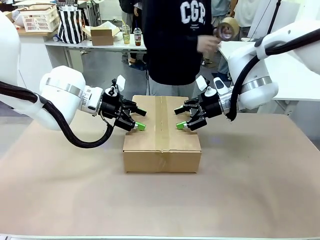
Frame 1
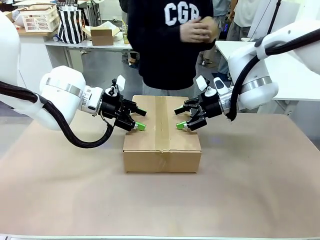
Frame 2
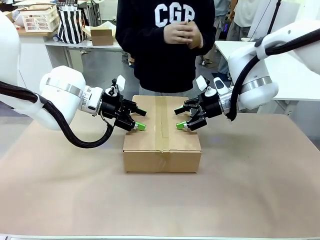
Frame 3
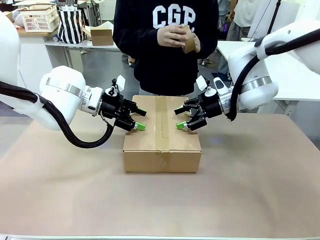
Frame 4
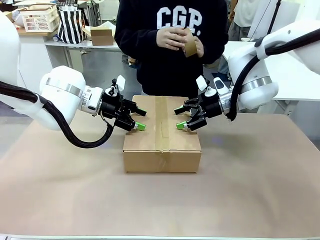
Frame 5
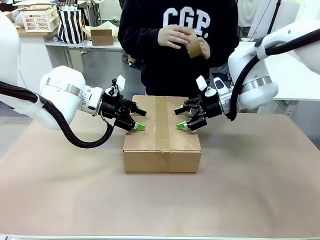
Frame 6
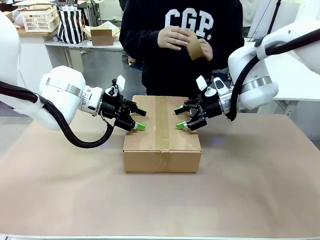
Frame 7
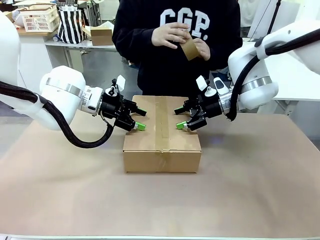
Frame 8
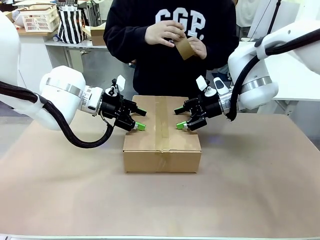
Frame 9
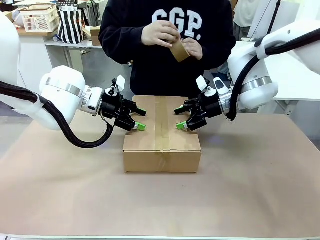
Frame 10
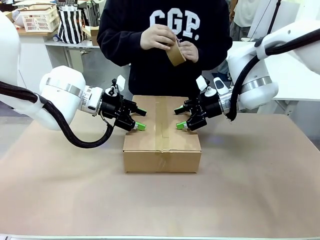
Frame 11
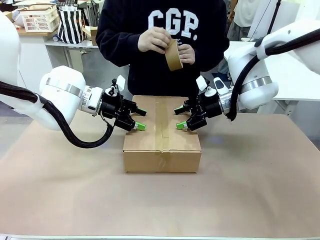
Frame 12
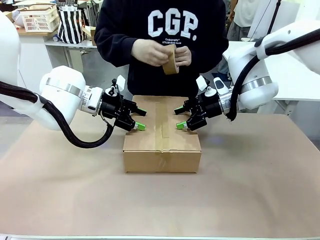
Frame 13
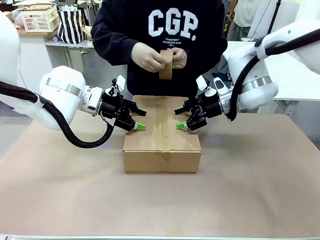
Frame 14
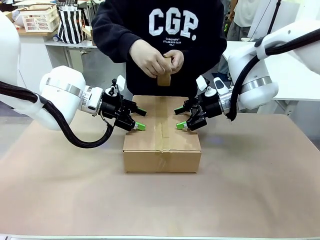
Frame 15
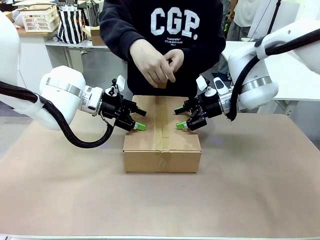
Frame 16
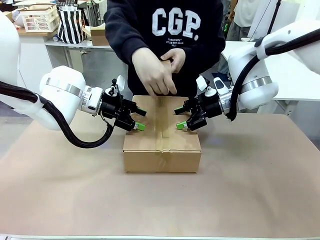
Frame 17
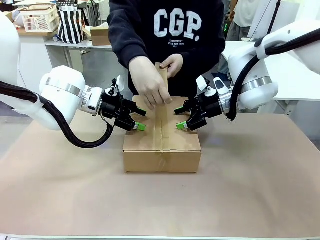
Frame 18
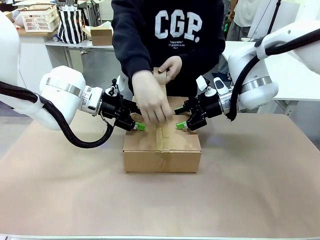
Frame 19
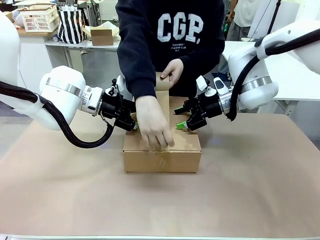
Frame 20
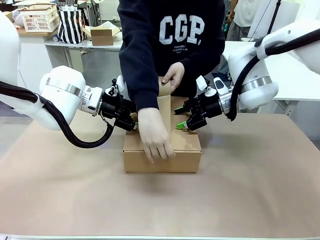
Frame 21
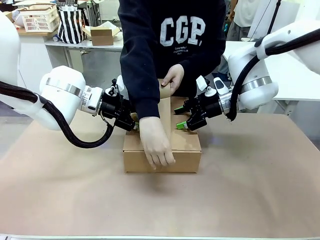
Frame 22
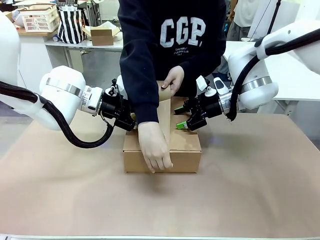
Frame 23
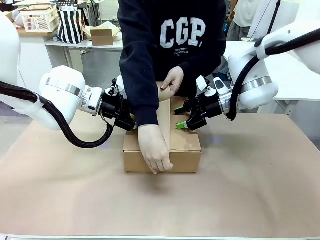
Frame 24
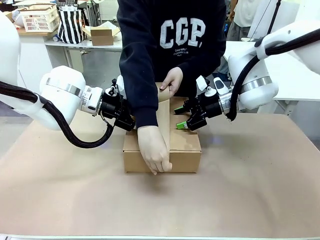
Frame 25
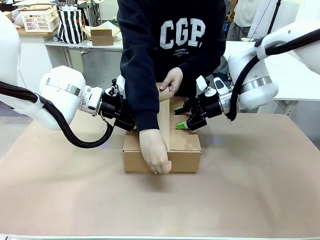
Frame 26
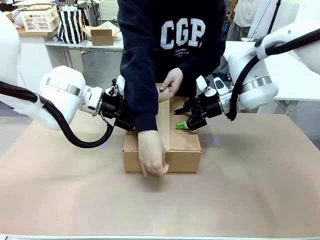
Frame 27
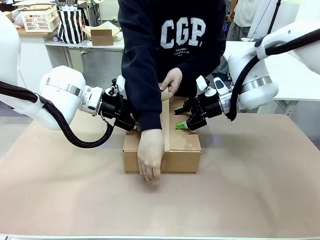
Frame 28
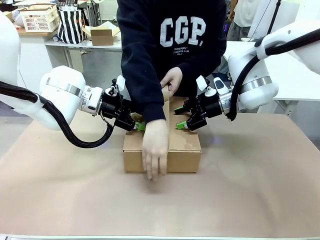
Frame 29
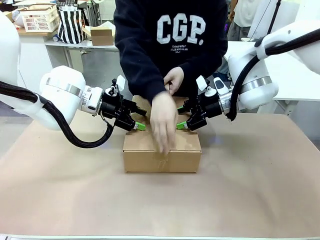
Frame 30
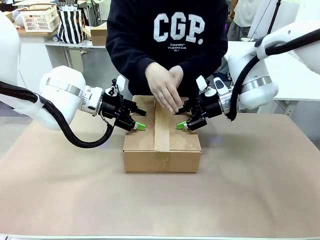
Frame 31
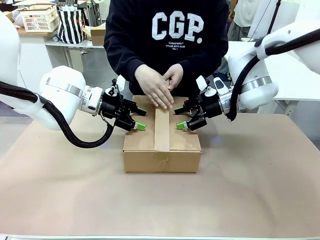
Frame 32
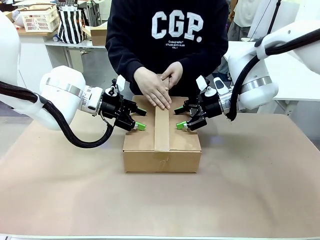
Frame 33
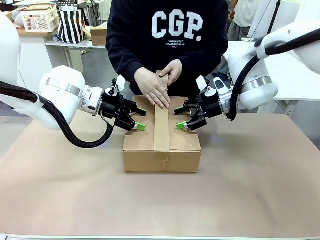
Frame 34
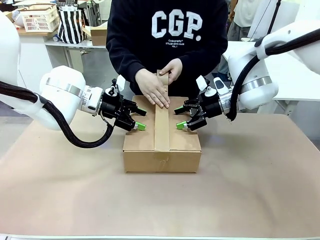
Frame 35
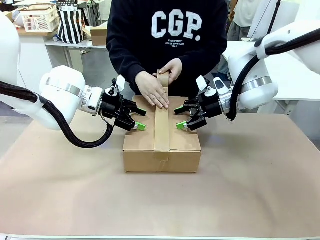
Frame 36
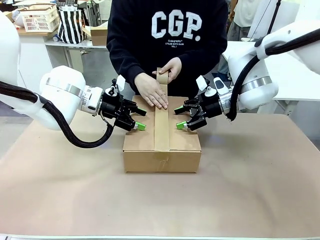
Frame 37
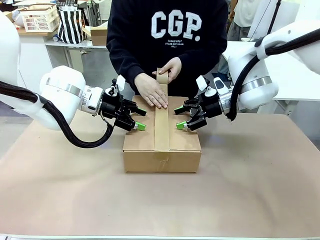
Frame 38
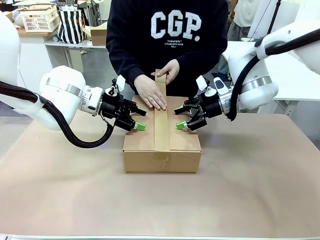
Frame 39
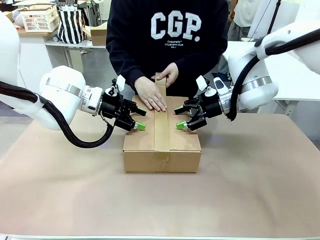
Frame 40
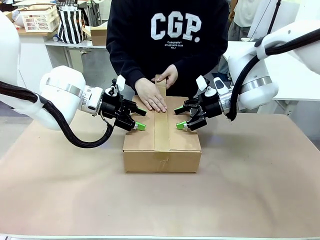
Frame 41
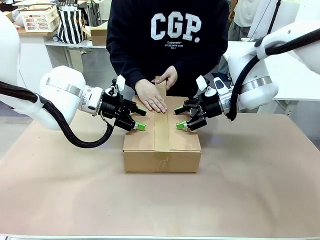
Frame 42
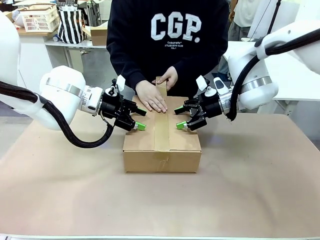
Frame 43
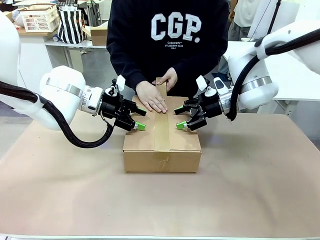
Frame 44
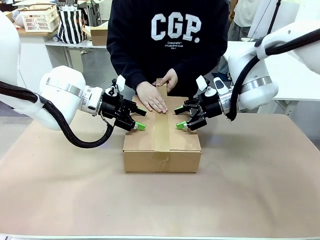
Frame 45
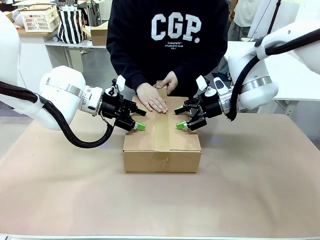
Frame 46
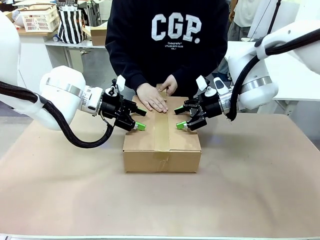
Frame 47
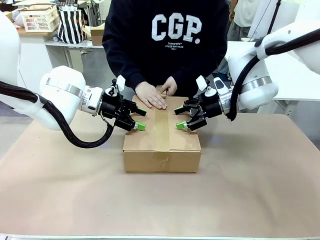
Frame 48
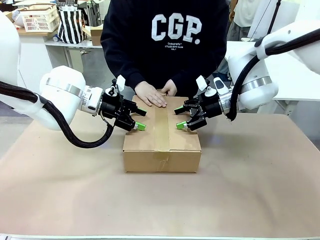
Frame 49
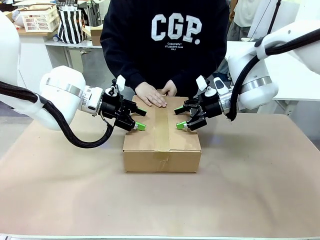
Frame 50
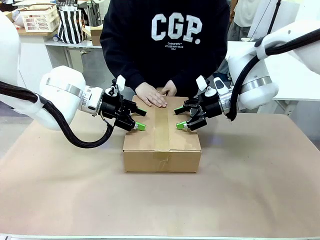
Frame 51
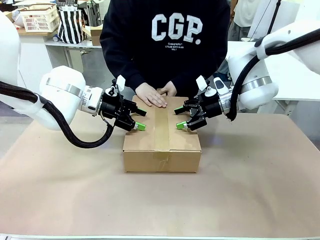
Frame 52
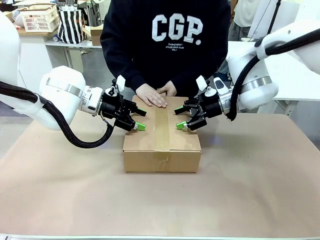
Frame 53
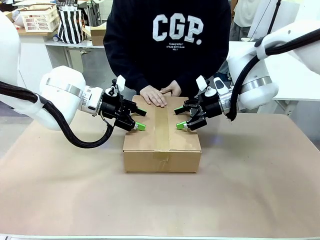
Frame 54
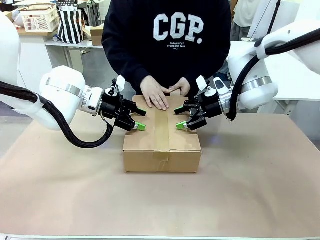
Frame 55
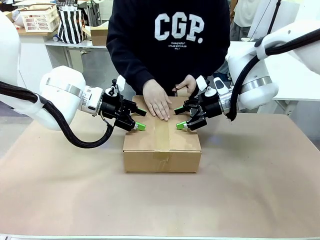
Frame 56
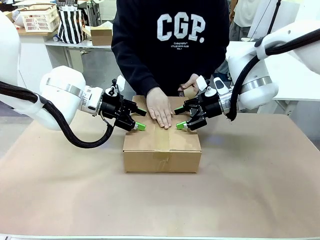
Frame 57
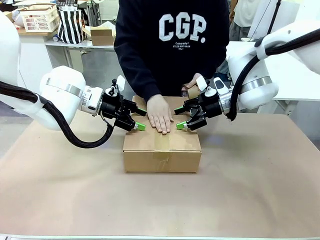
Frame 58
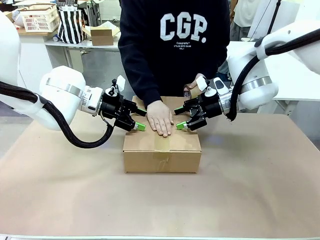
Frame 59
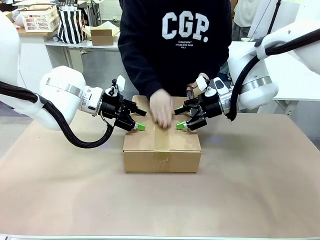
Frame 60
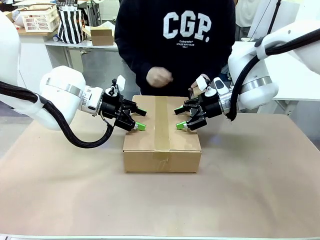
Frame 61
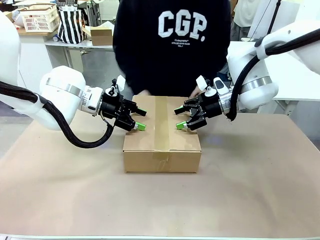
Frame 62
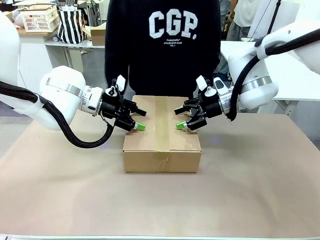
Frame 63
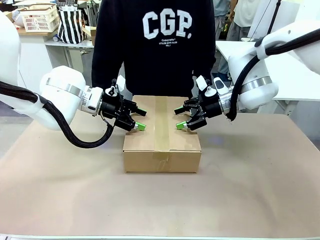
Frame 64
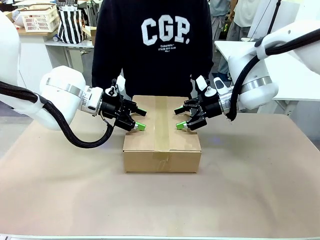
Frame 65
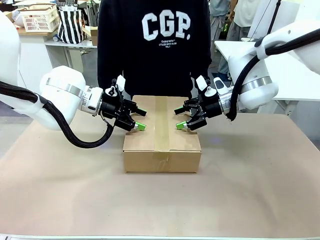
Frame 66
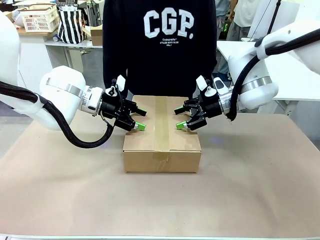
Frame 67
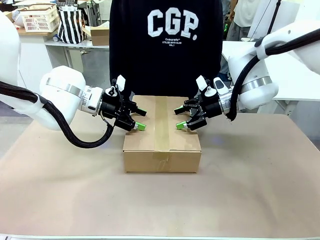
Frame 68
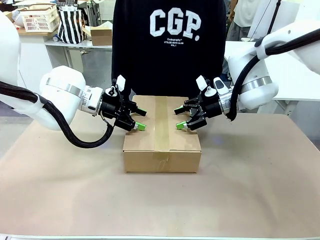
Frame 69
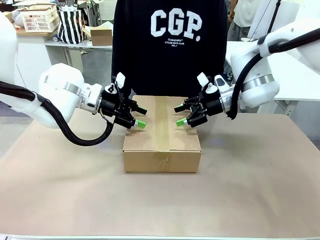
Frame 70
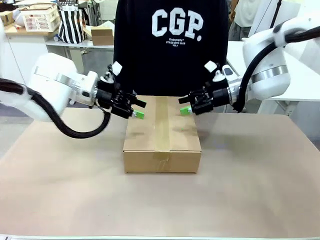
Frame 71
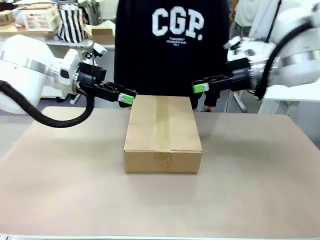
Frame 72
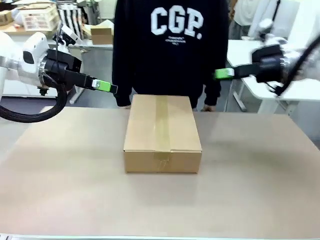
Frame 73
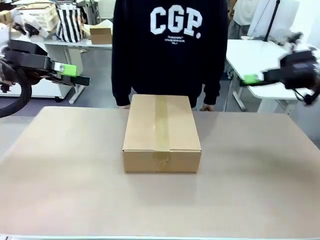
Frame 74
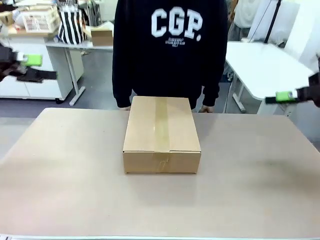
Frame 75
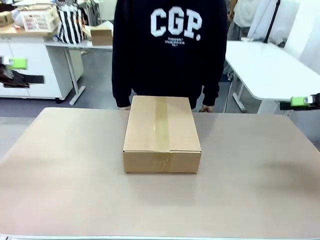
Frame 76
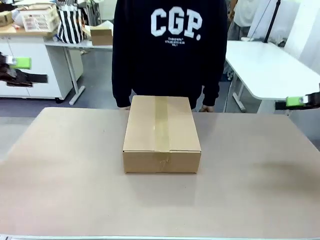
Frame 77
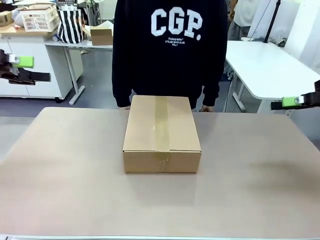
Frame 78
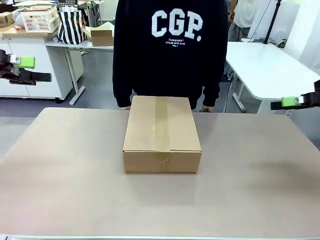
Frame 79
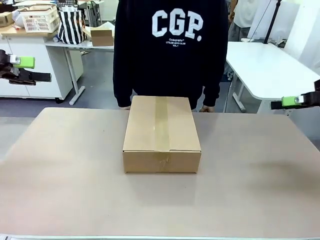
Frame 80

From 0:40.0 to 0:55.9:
Task: Pack the gift set into the box.
Robot: Press and hold the closed box until the human finishes sealing it.
Person: The human picks up the paper tape from the human table and packs the box.

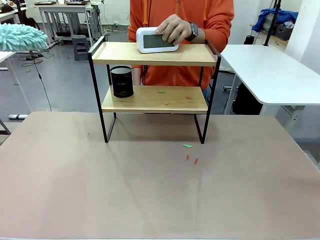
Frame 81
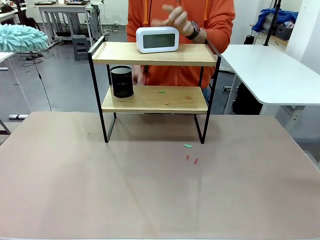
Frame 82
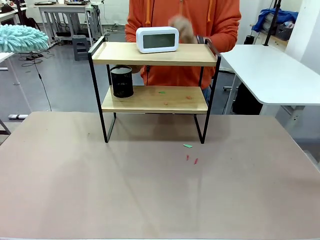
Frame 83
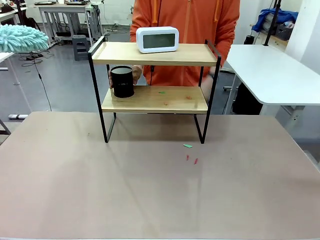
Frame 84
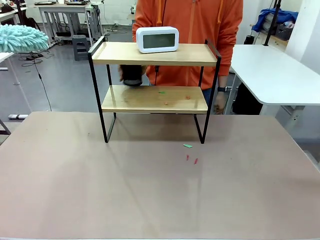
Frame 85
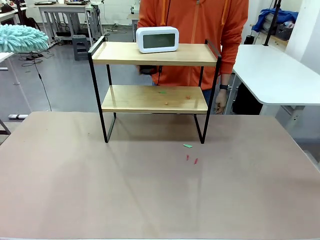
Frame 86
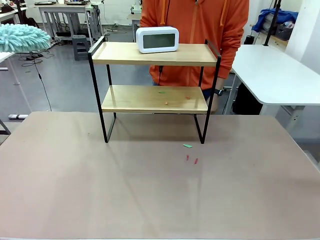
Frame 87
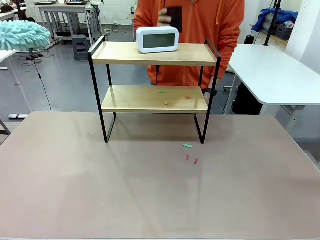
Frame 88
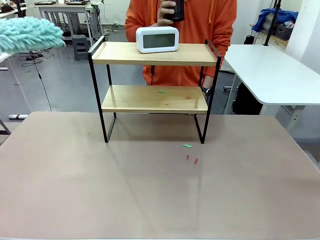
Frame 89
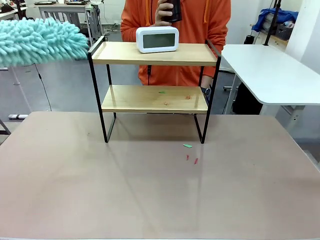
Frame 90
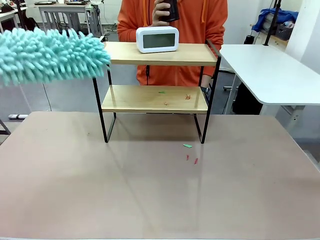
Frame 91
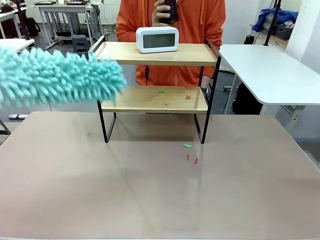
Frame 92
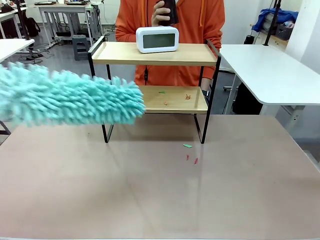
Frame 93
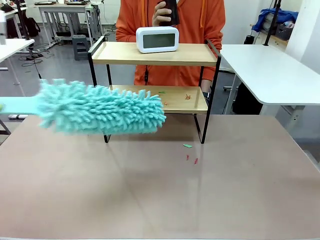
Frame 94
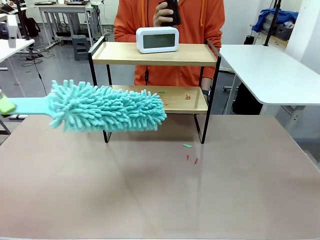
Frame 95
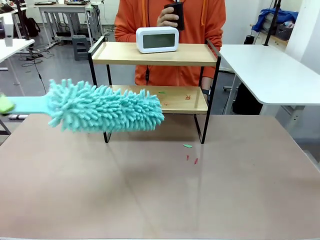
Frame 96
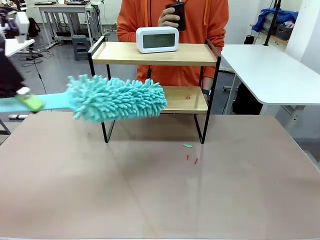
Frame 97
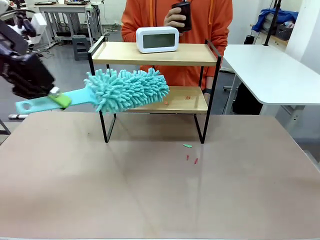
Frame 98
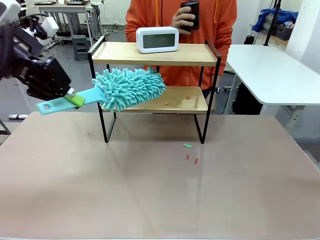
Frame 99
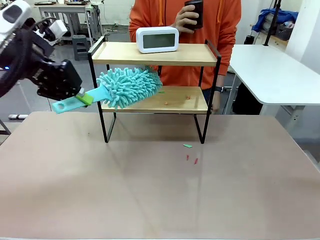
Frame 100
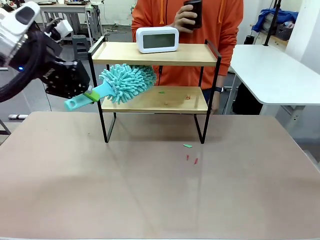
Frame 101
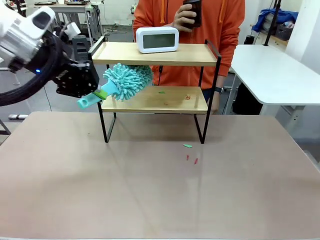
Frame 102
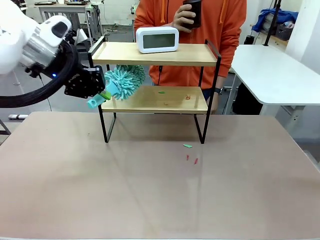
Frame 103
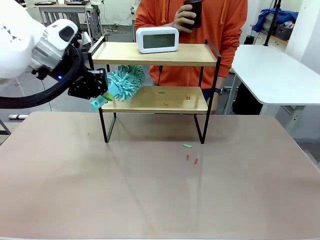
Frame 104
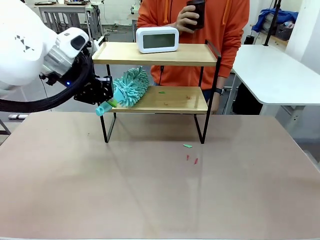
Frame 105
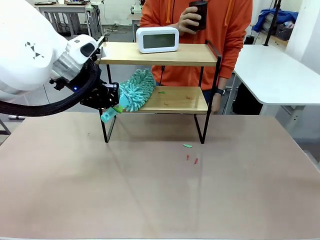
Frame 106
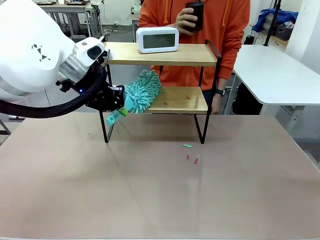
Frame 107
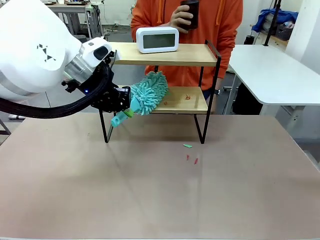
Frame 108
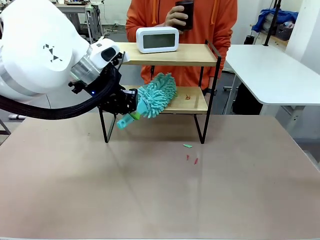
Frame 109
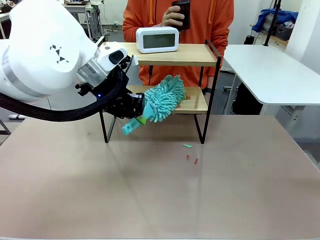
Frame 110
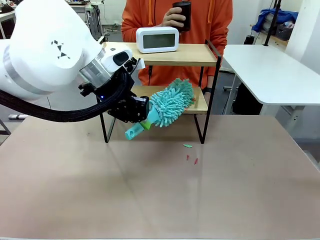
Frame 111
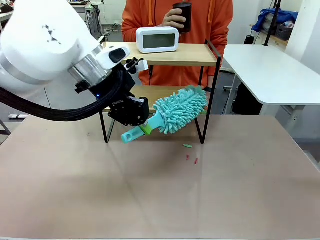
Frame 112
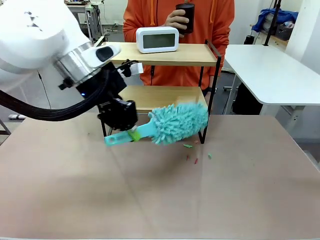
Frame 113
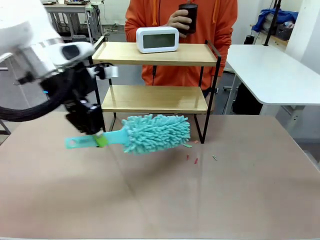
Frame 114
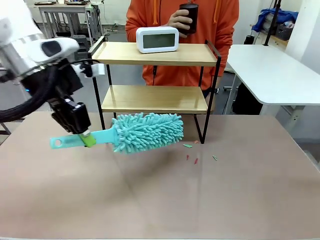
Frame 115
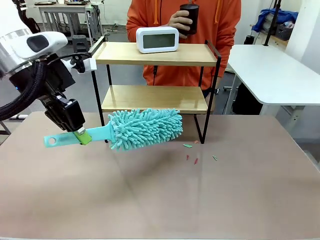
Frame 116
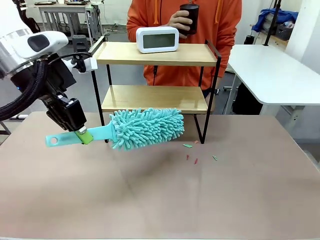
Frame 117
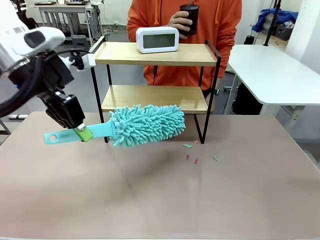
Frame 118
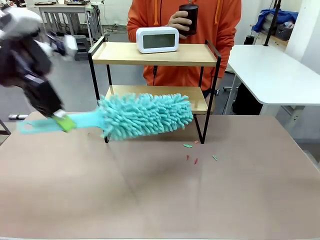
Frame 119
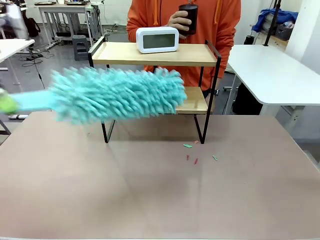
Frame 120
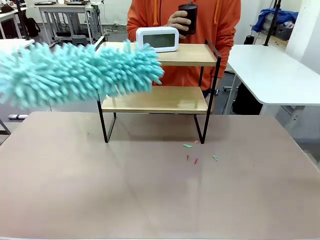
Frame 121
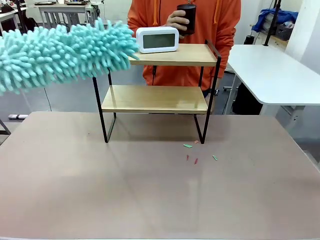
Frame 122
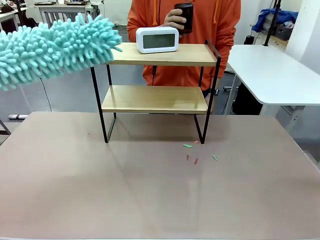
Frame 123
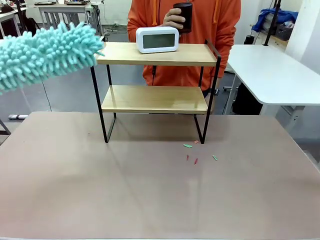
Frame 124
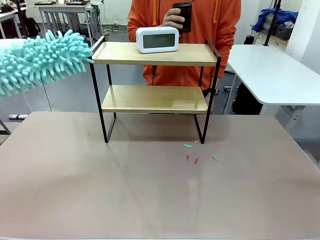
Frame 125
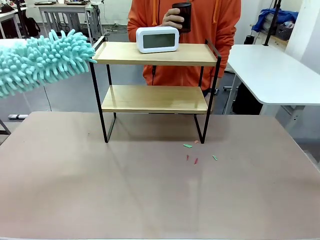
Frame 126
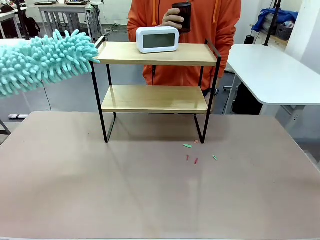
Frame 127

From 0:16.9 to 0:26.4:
Task: Clean the shelf.
Robot: Clean the remaining tier of the Shelf with the Duster once objects are removed.
